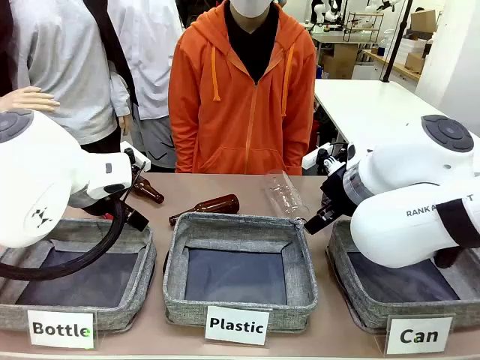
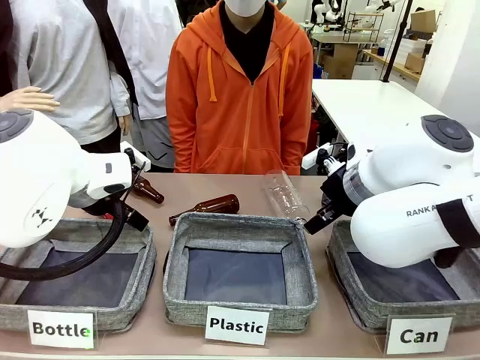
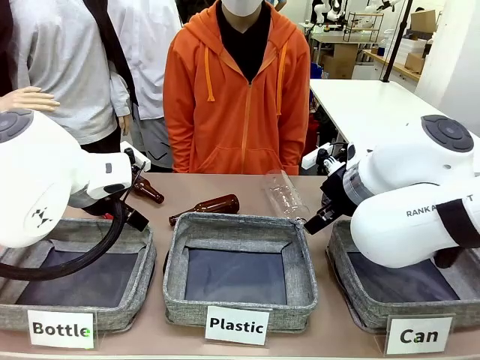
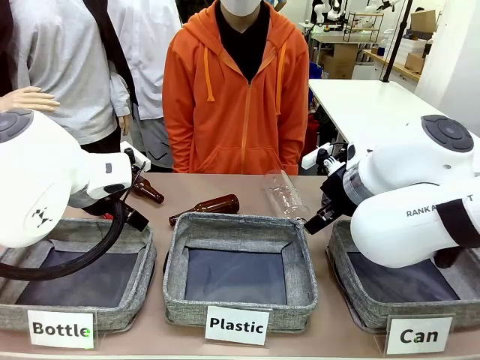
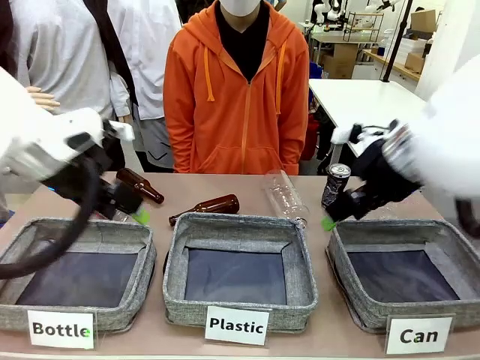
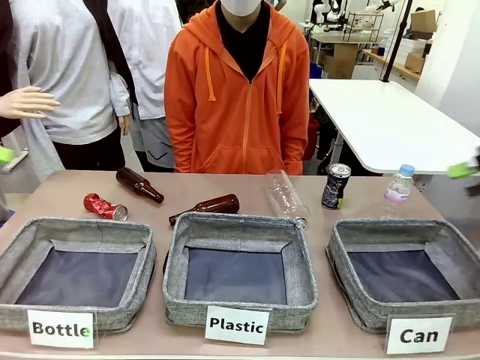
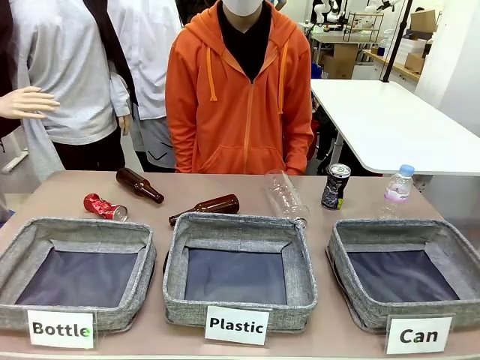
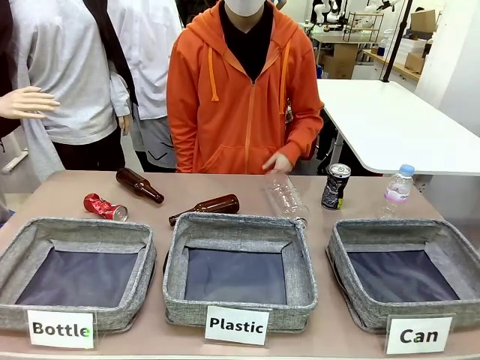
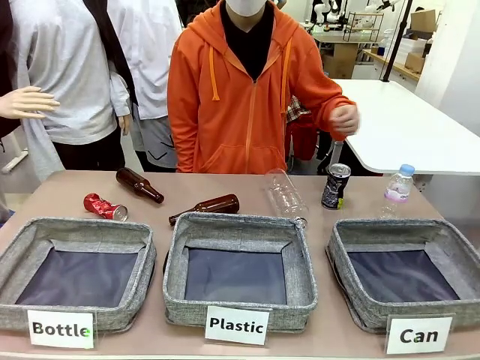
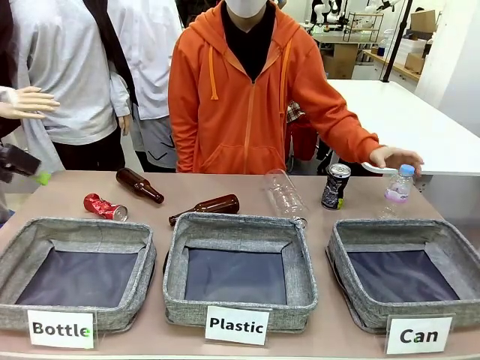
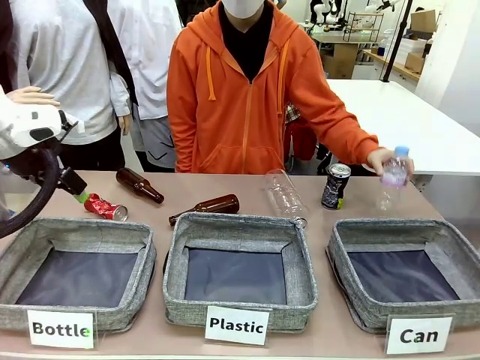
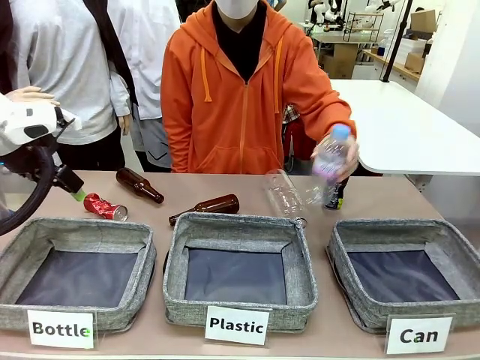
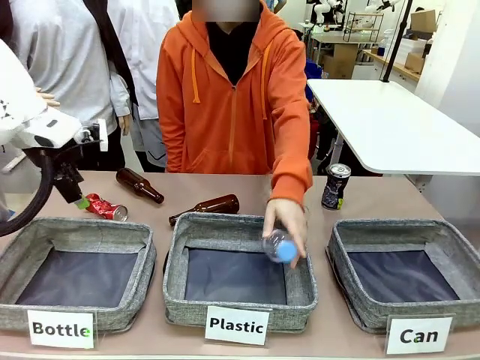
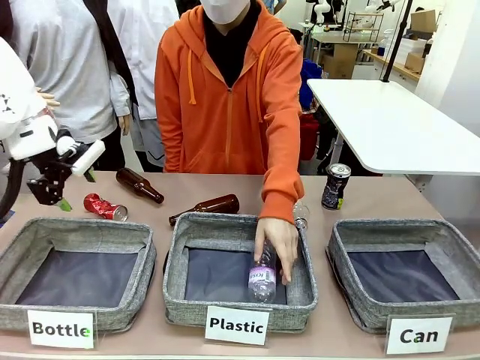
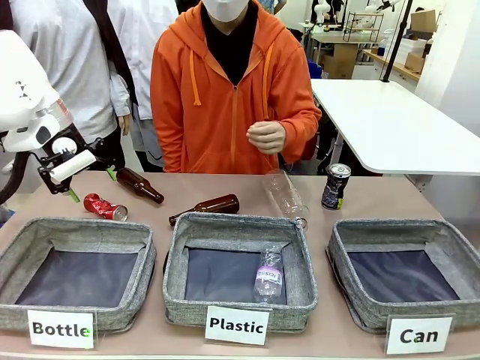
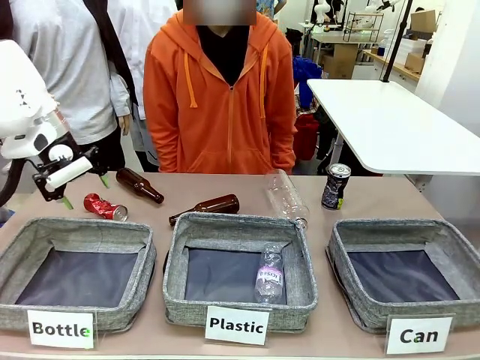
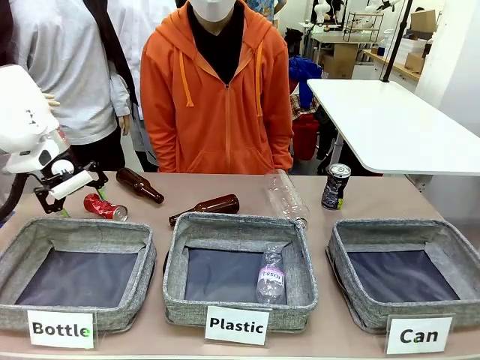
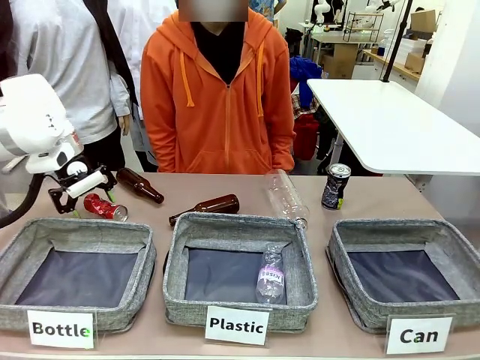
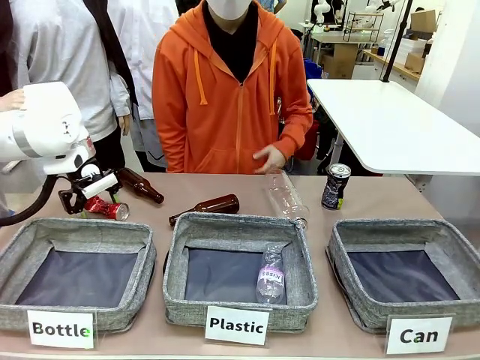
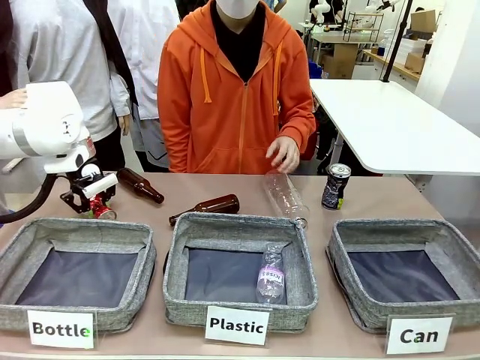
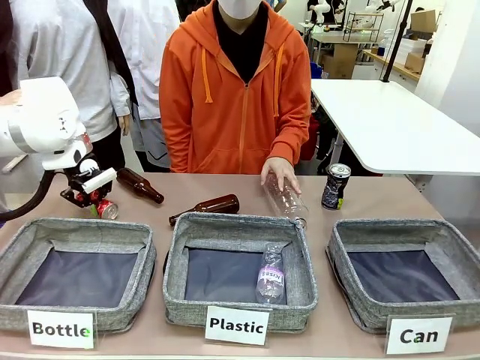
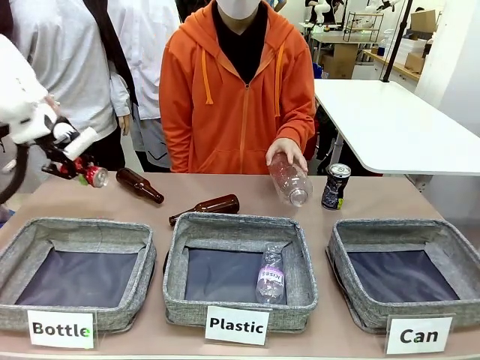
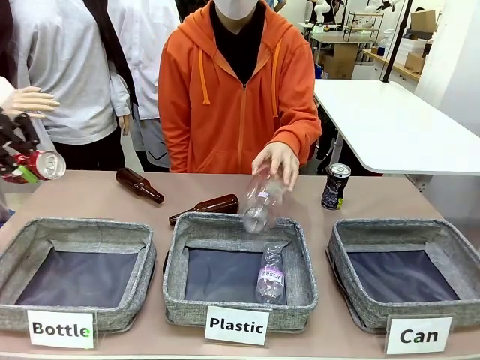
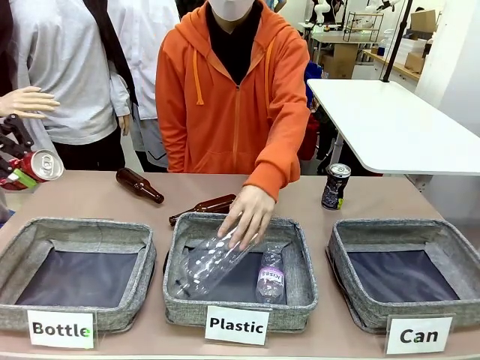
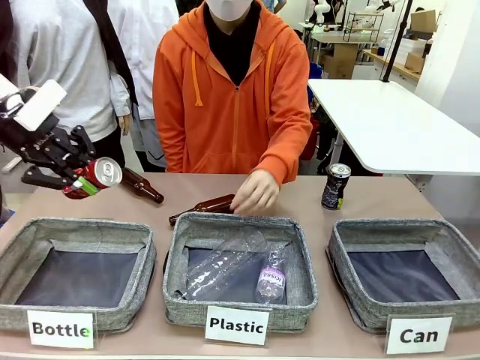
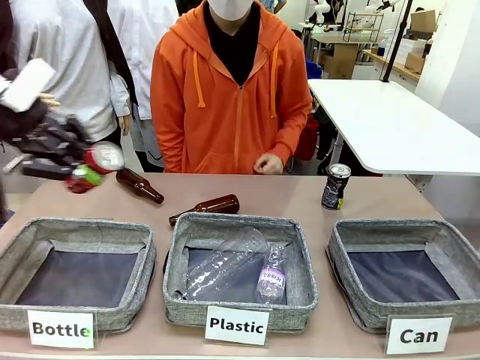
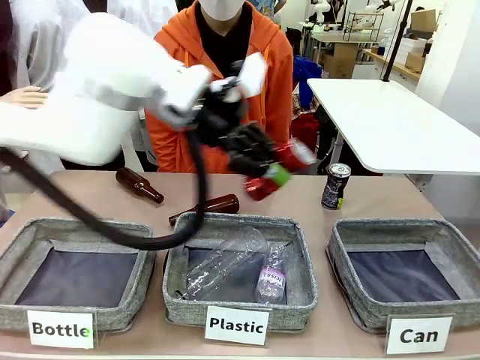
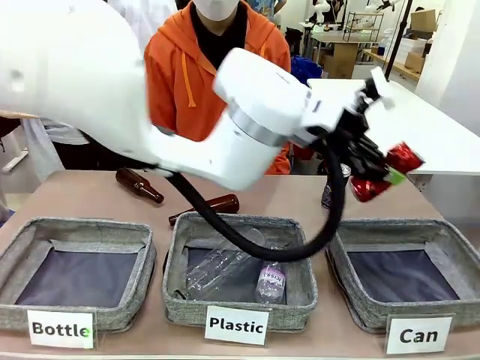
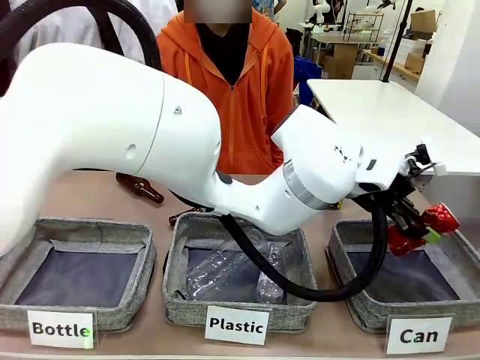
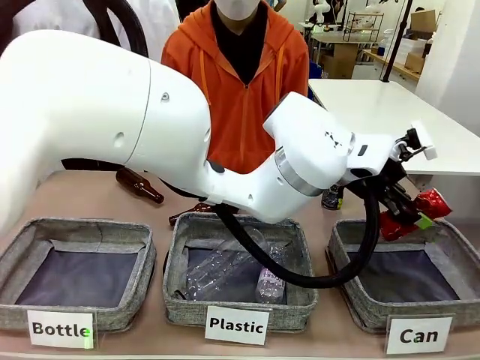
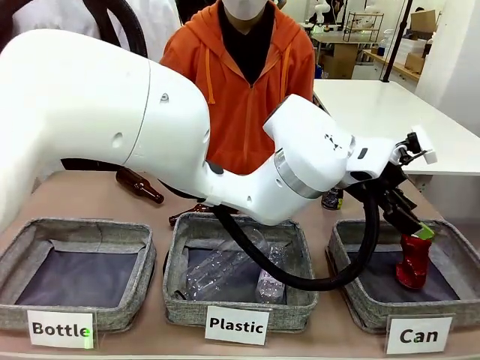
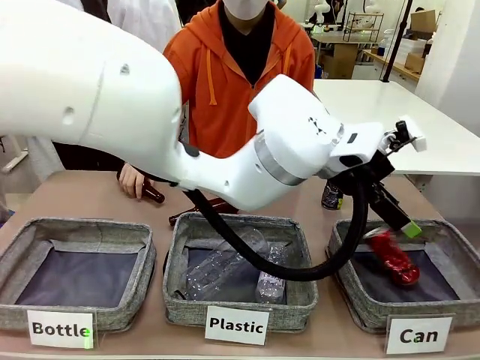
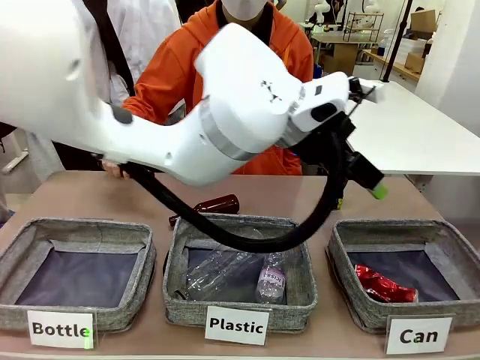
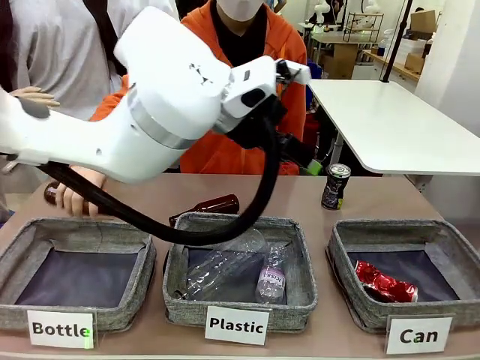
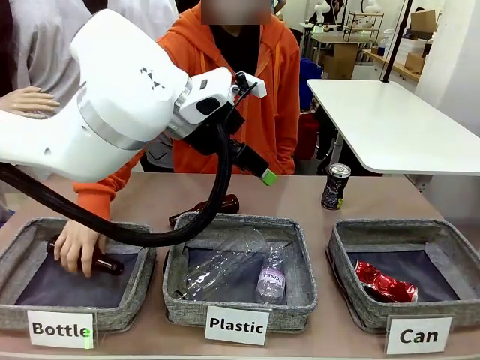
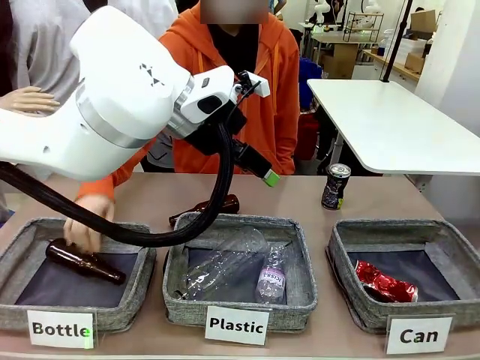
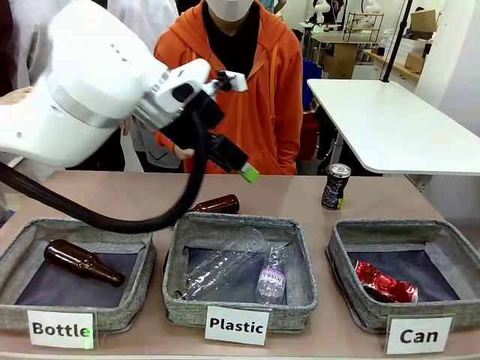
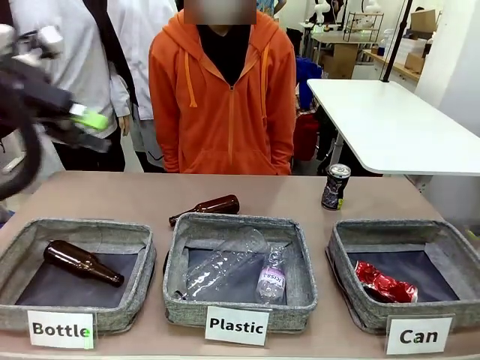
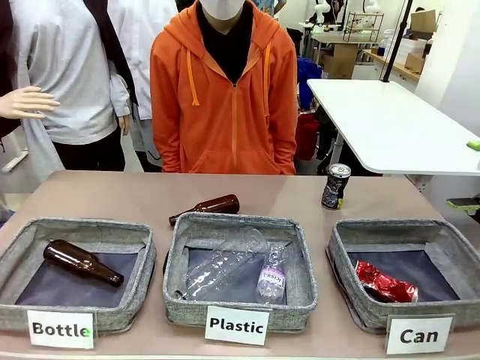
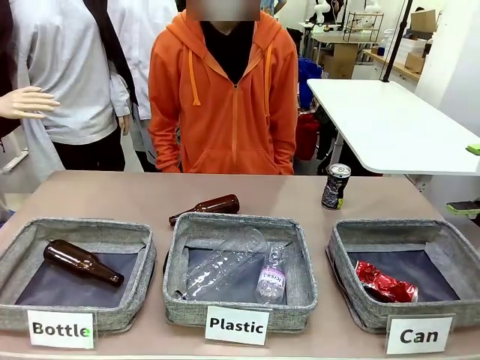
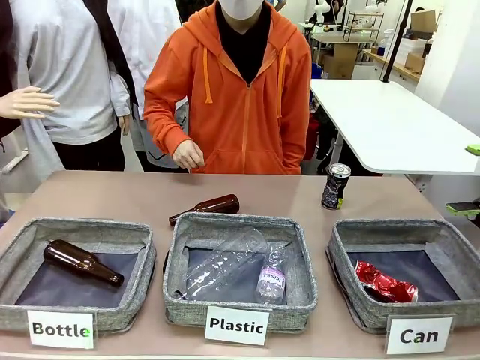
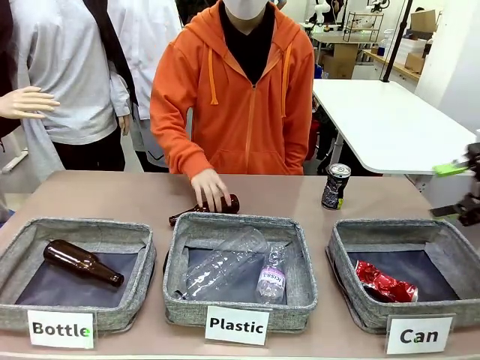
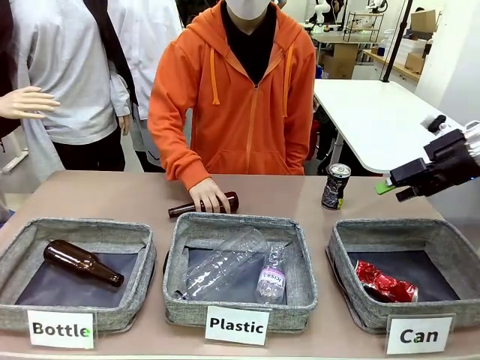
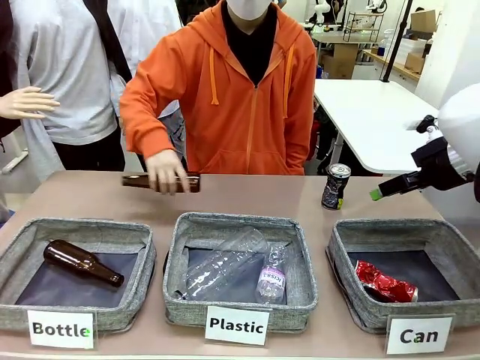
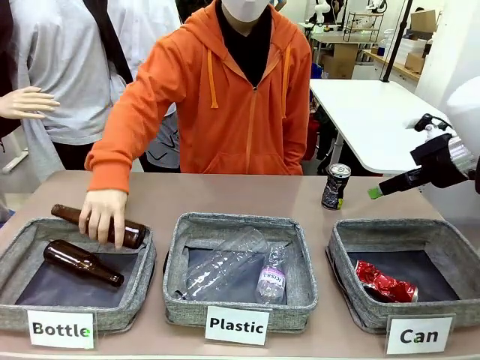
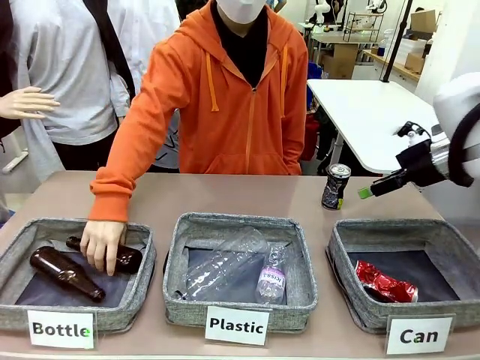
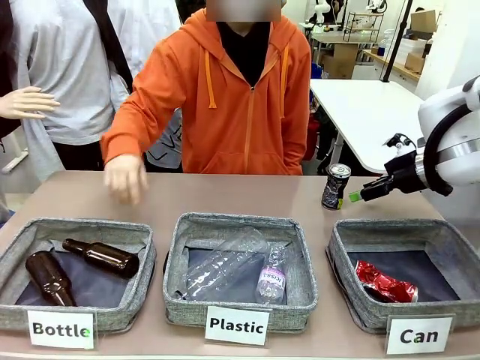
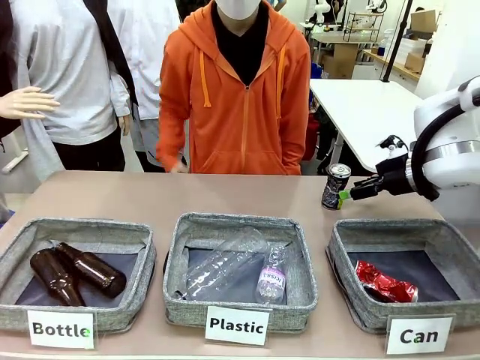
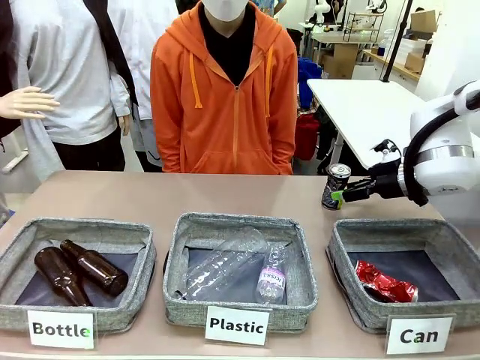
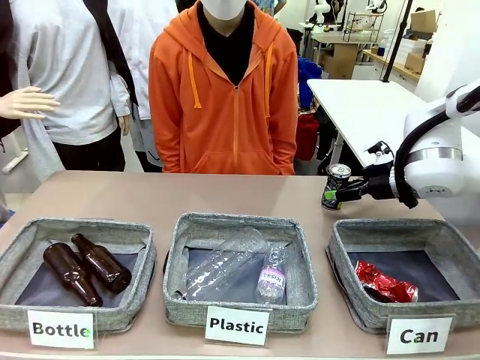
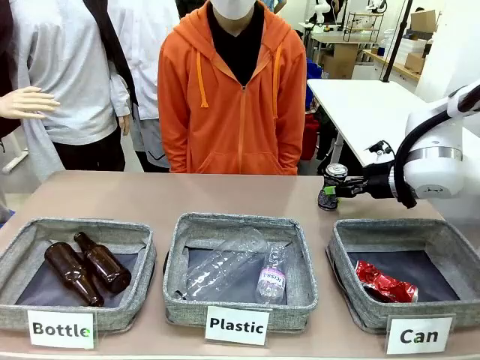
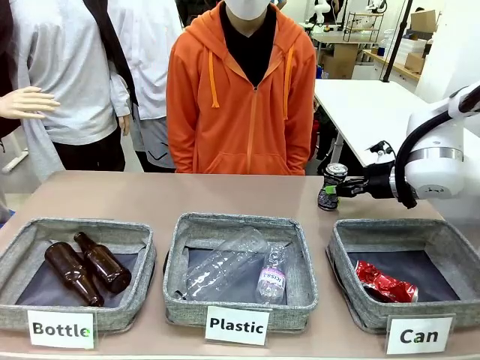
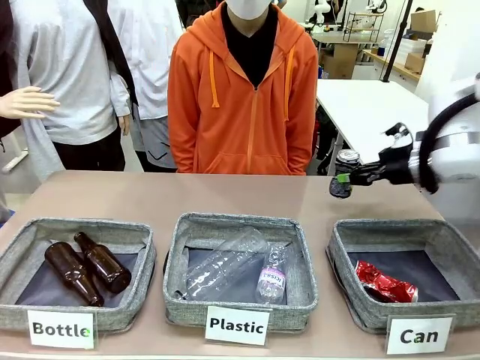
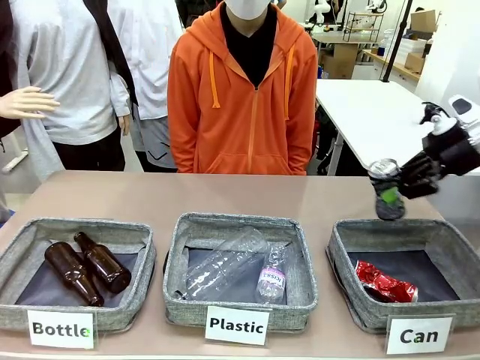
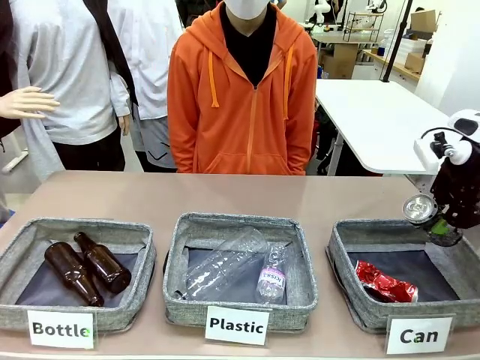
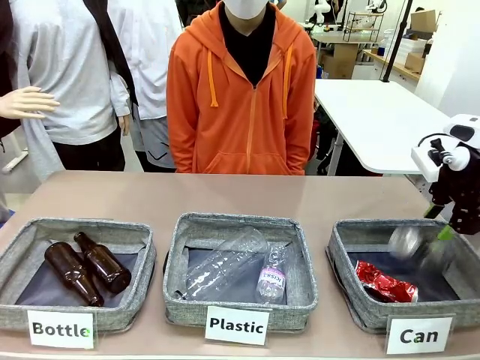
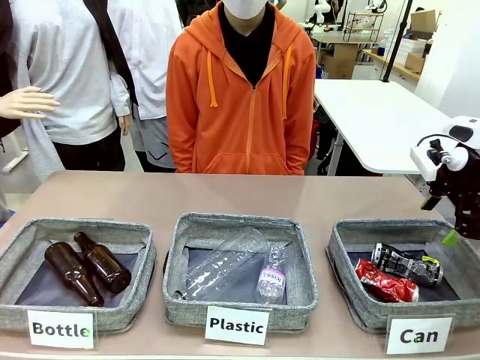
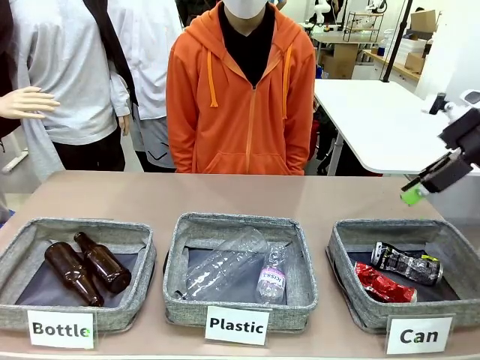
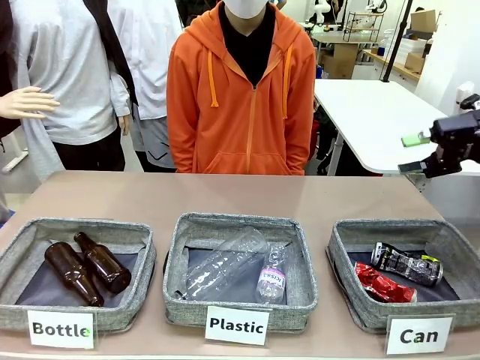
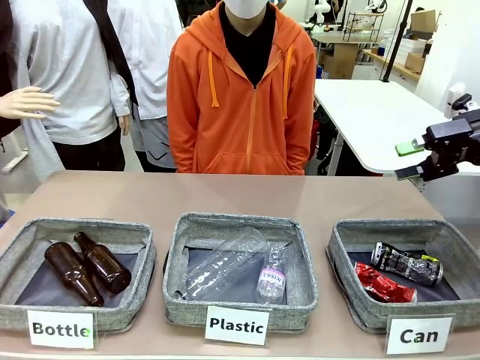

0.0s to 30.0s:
Task: Sort the can waste into the basket.
Robot: Pick up the can waste from the table and place it in the right Fabric basket.
Person: The human picks up one piece of trash that is not a can and places the trash into the appropriate organizing basket.
